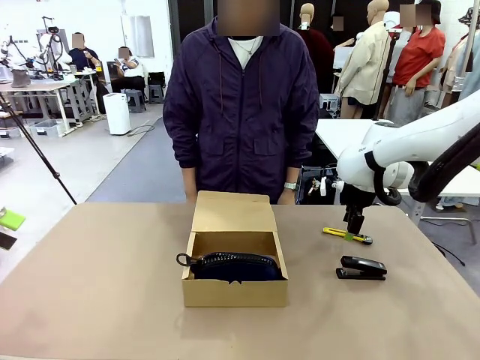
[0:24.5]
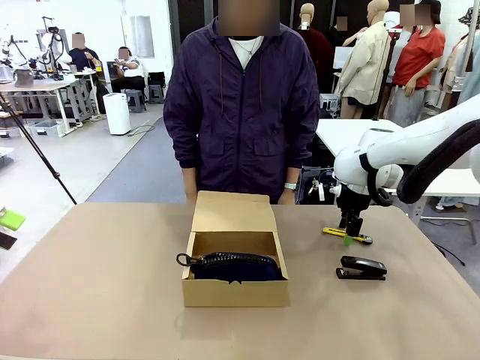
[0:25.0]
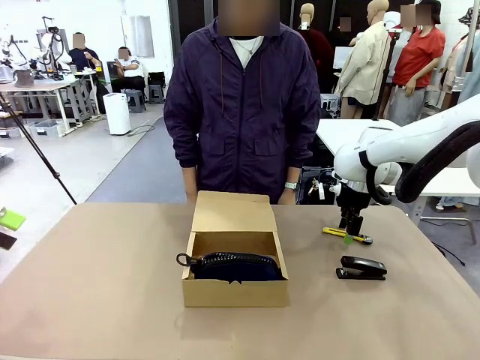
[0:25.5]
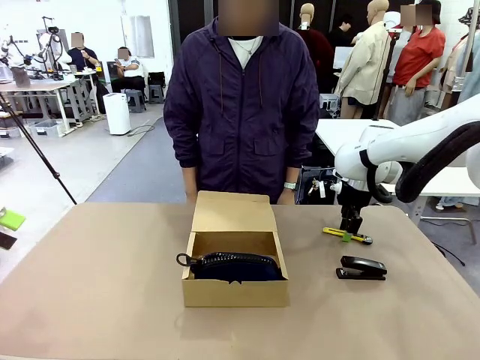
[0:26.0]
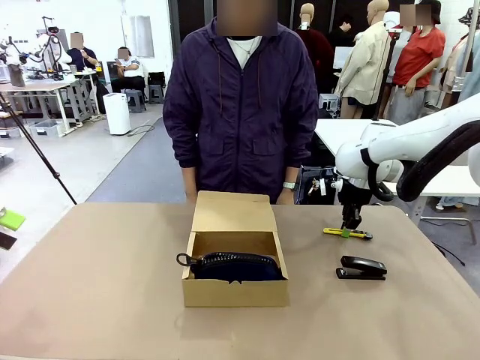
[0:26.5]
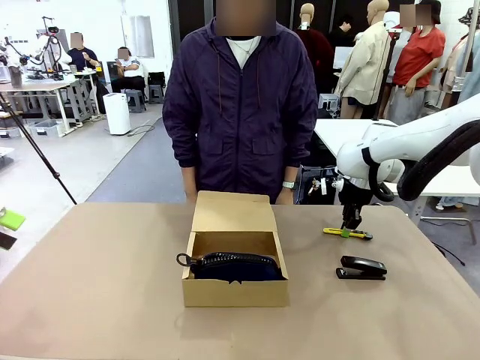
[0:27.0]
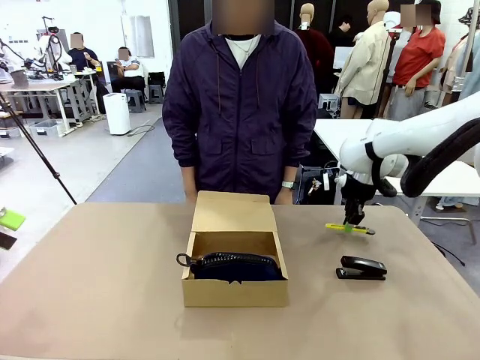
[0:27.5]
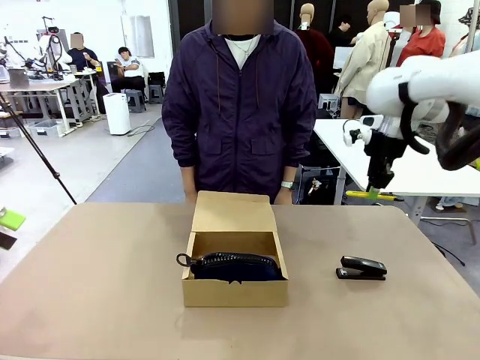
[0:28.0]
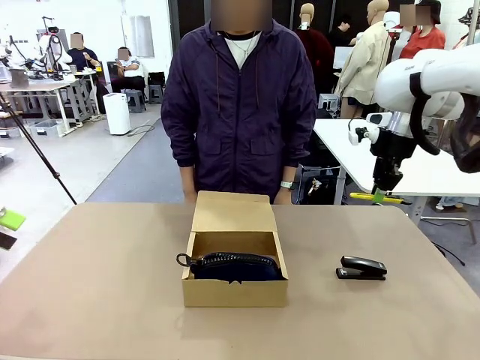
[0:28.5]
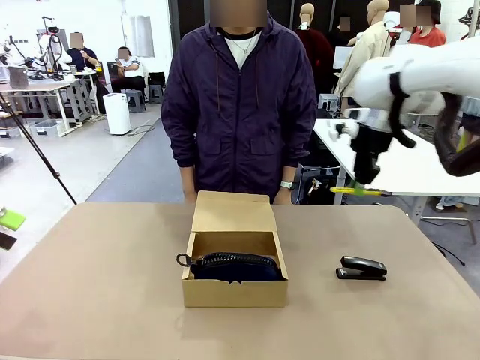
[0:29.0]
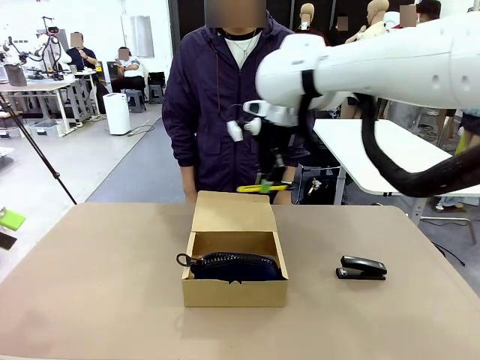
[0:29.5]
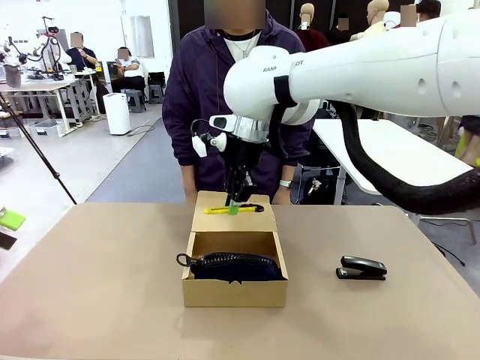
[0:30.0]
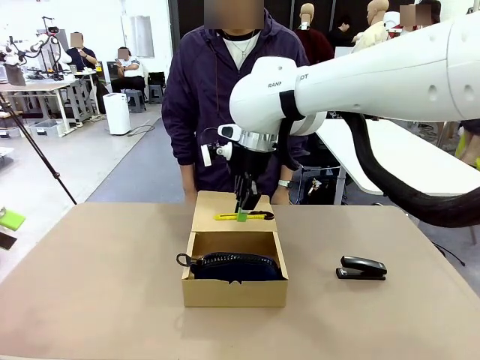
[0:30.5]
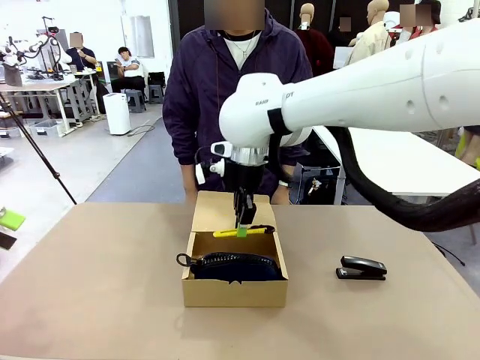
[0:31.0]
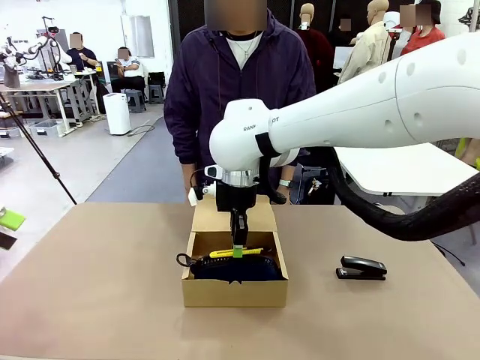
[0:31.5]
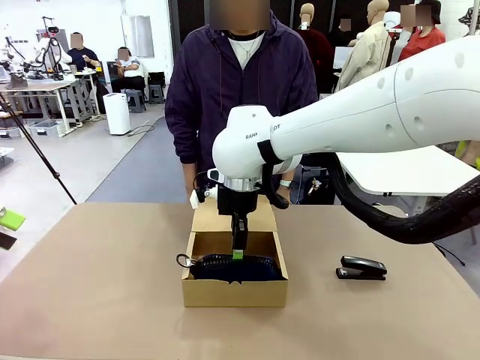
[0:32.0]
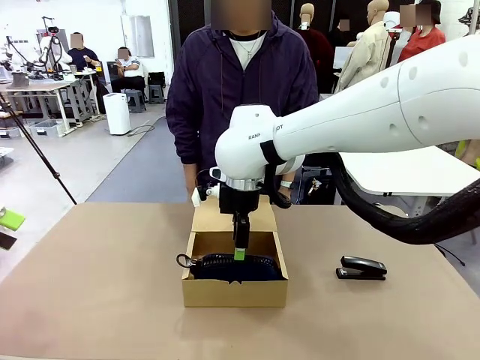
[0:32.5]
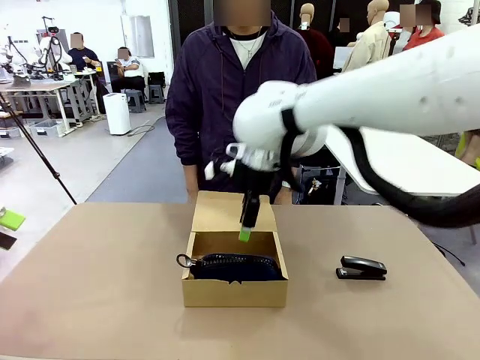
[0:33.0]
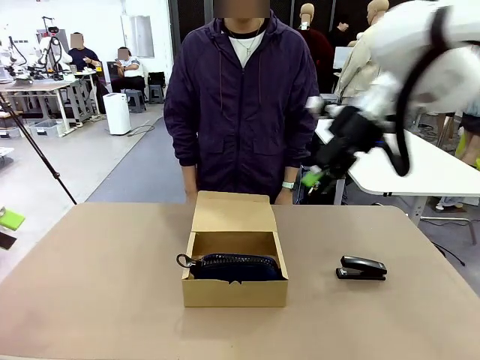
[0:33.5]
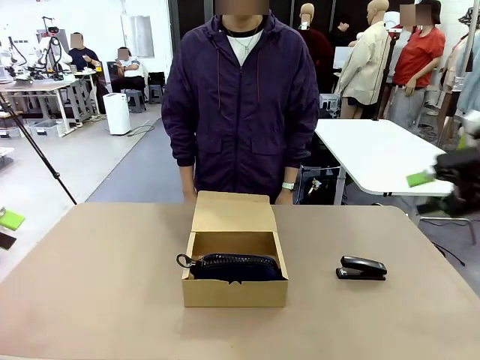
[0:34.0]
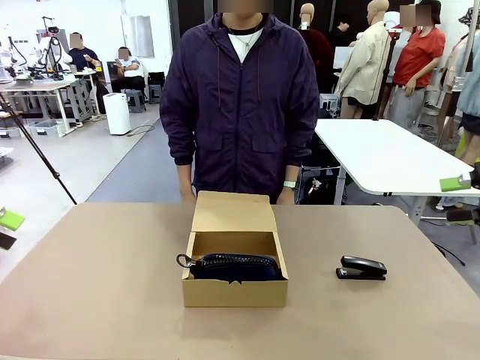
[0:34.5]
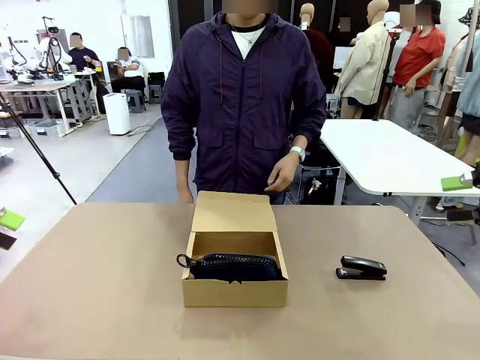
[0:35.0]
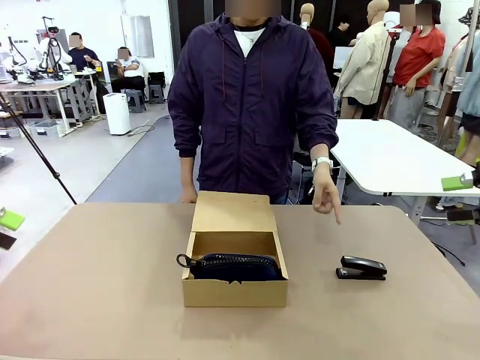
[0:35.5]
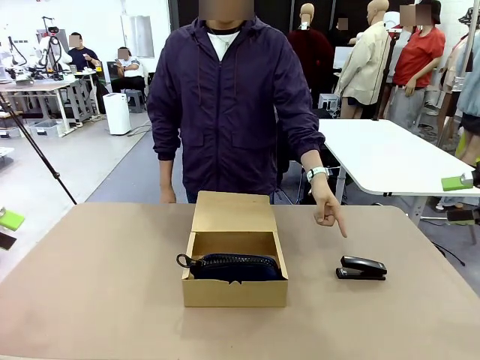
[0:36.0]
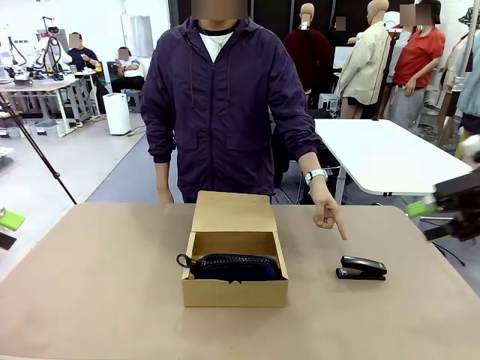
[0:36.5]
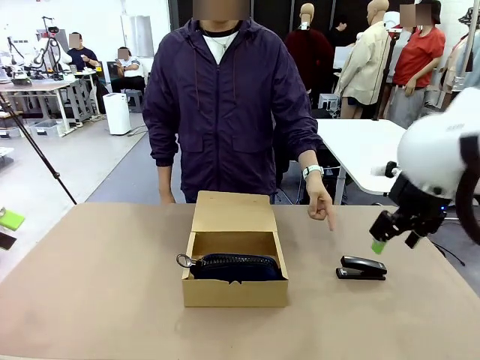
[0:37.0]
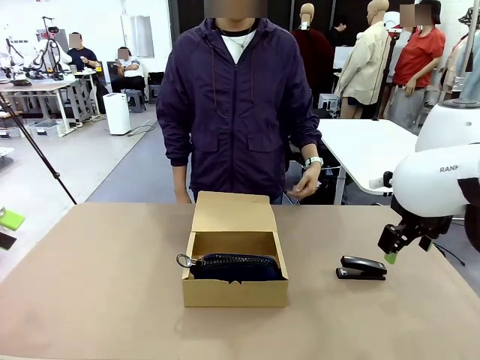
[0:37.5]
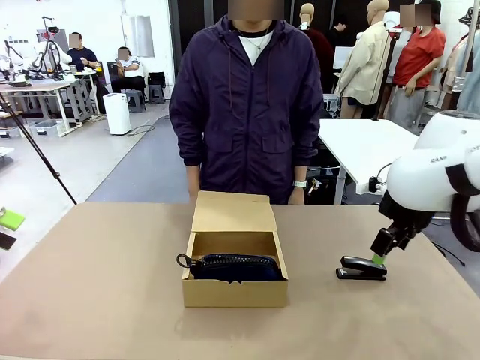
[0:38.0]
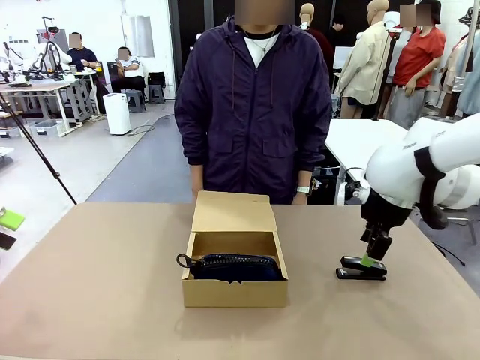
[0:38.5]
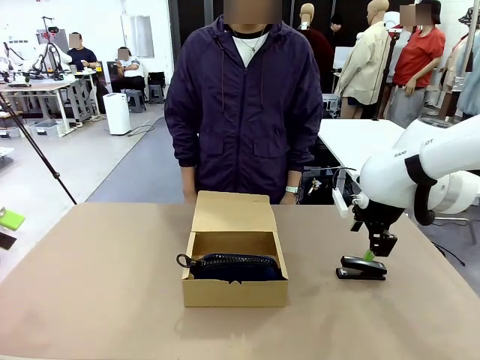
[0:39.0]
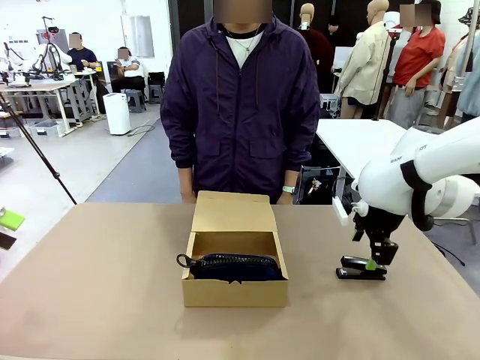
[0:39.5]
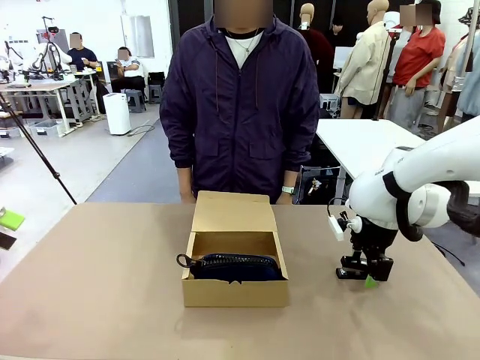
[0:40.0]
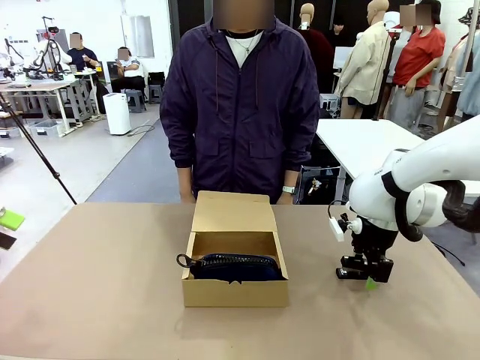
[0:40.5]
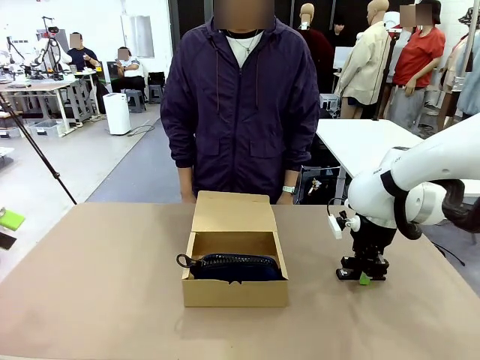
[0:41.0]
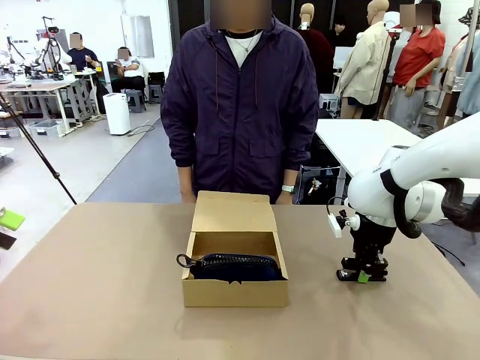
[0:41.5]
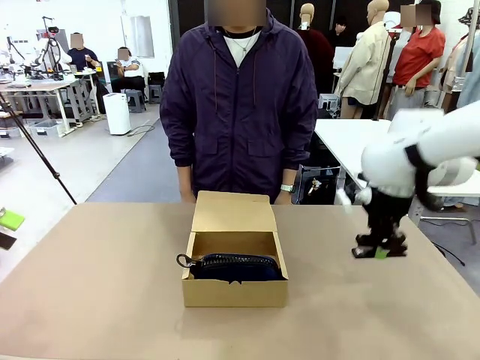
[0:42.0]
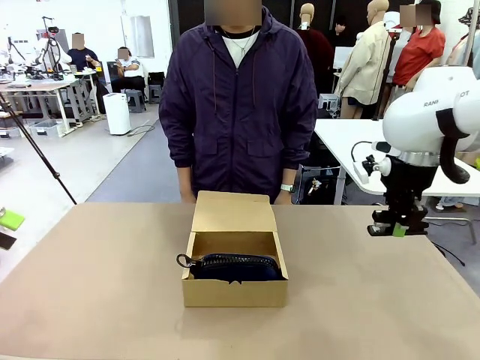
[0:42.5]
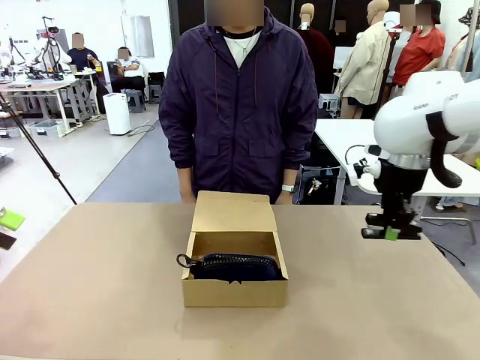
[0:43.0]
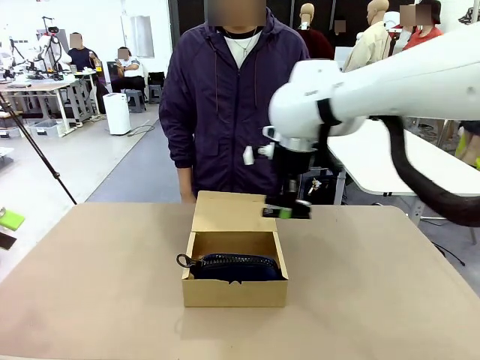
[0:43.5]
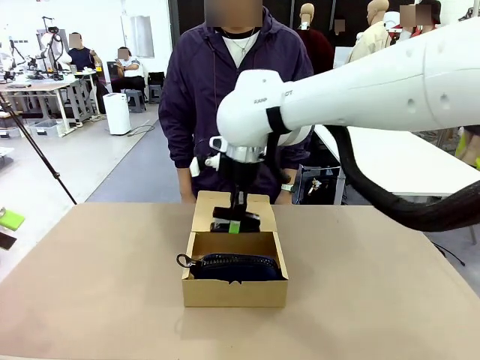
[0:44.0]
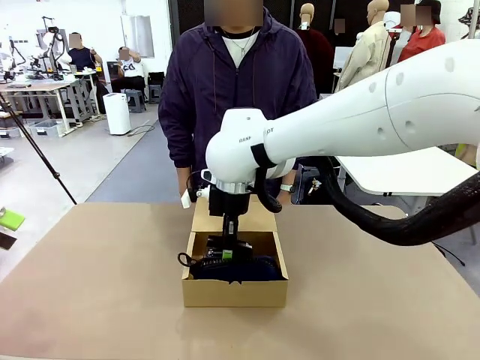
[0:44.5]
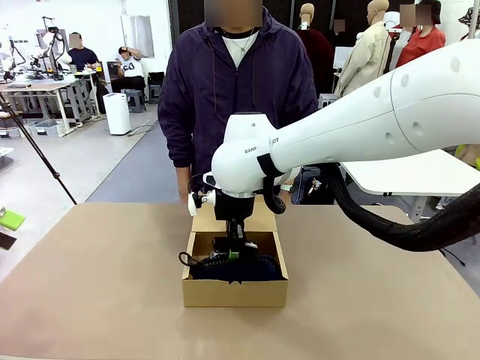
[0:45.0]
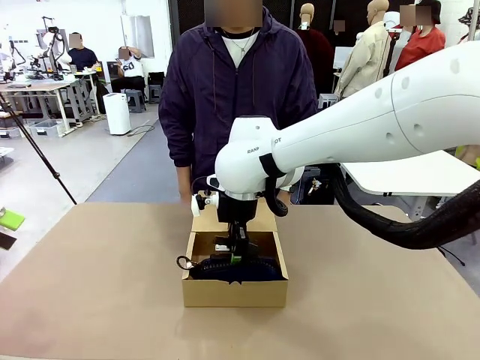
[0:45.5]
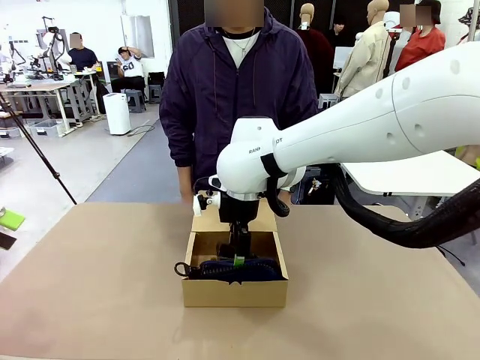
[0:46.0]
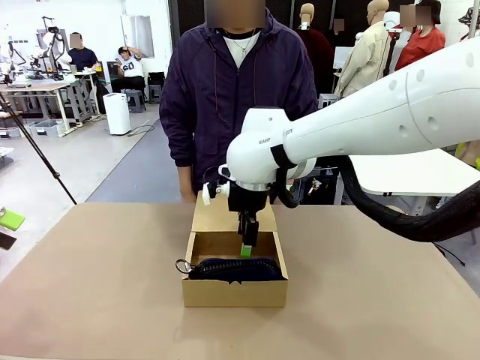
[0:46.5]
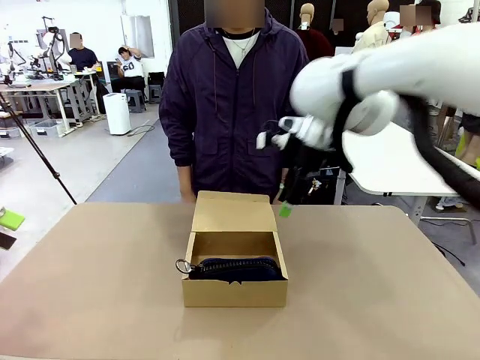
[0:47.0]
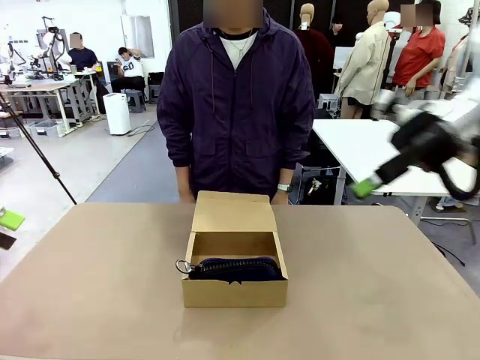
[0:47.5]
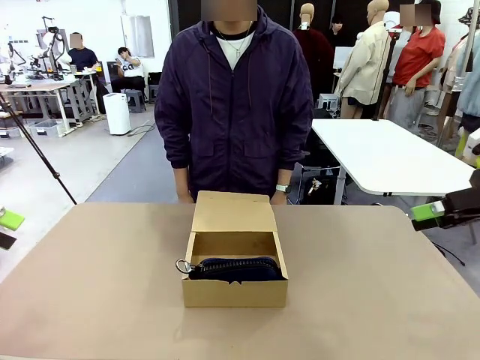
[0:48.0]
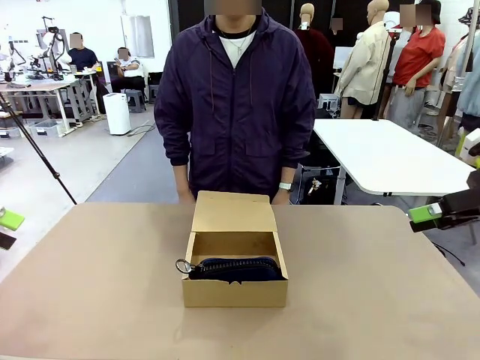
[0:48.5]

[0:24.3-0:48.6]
Task: Pack the items into the box.
Robot: Pick up the item indicated by the person and place it inside the Mailer Box.
Person: Lower both hands vertically with palms facing downward, as if pressing something closed.
